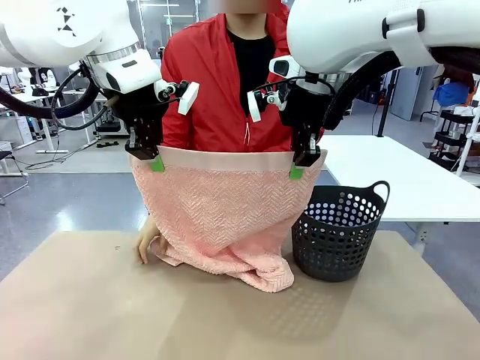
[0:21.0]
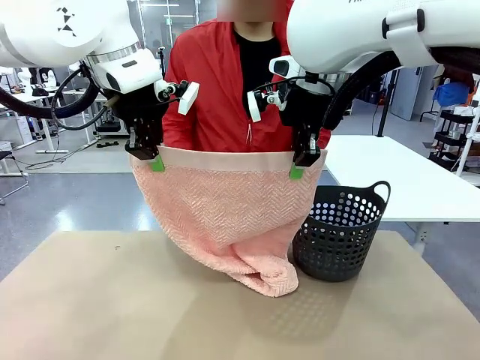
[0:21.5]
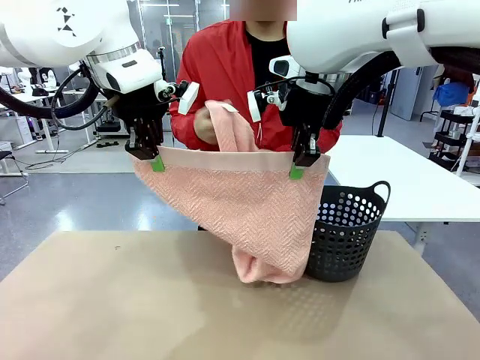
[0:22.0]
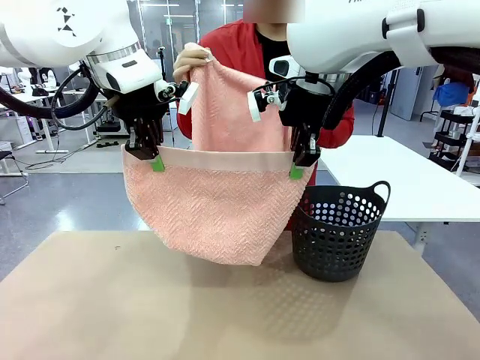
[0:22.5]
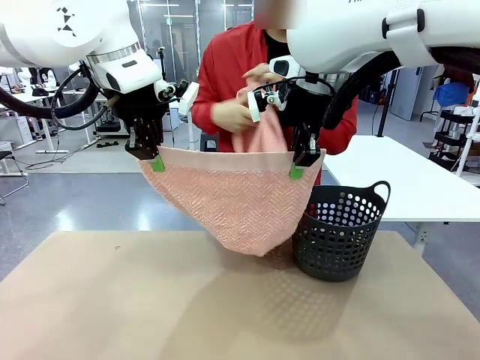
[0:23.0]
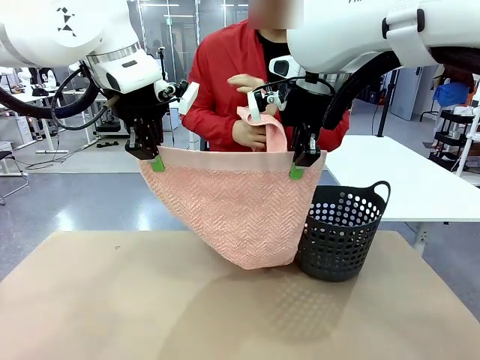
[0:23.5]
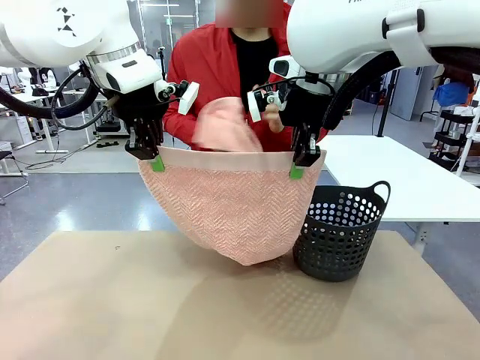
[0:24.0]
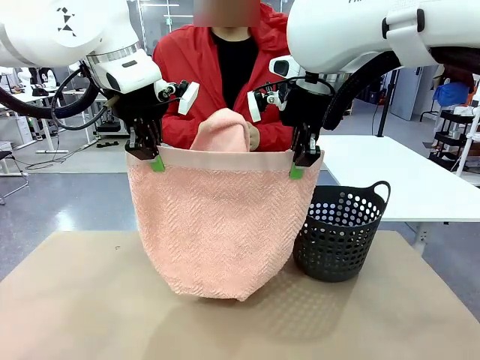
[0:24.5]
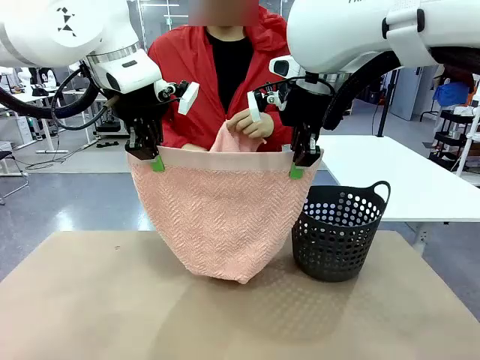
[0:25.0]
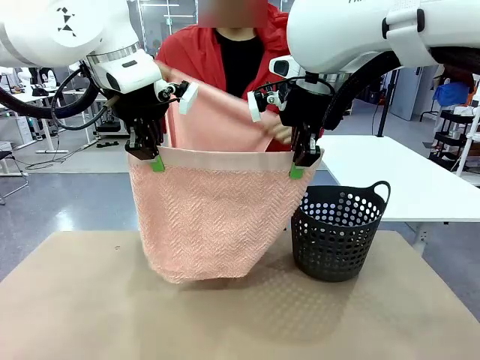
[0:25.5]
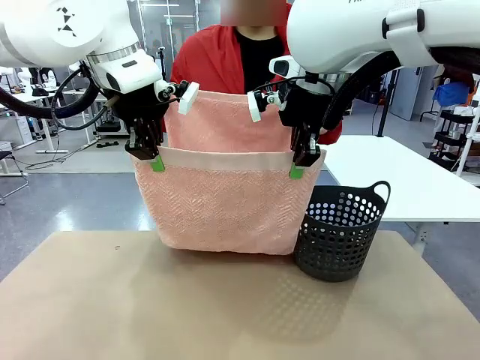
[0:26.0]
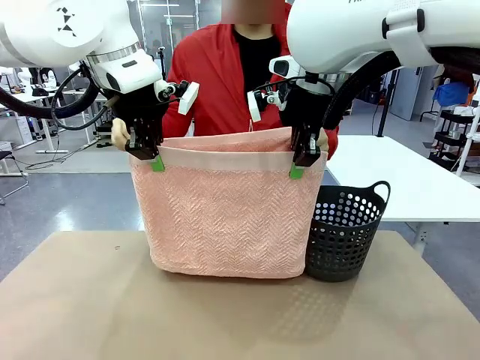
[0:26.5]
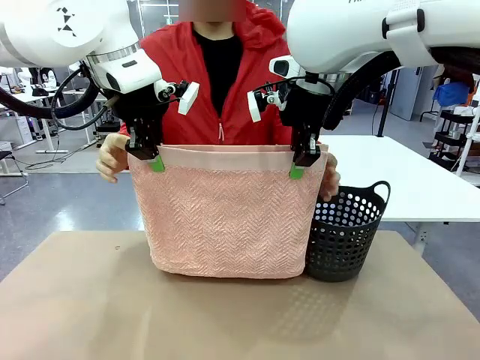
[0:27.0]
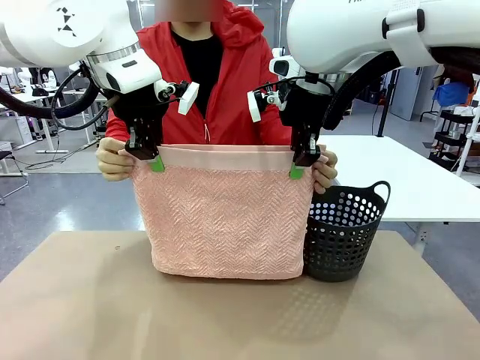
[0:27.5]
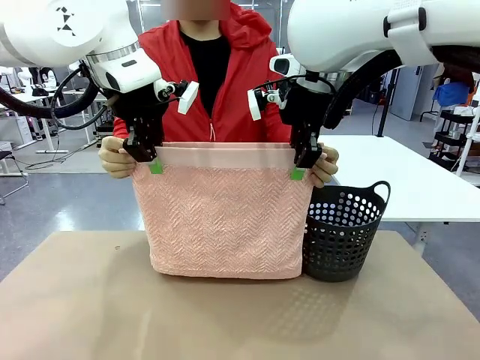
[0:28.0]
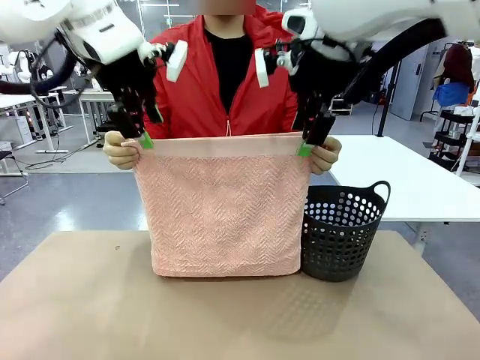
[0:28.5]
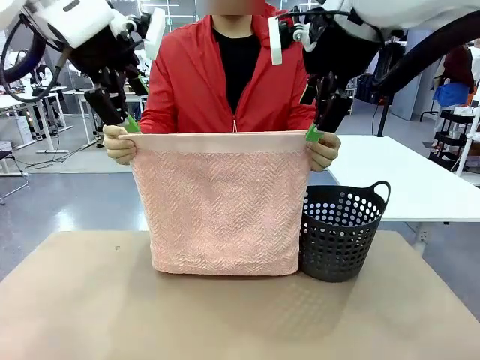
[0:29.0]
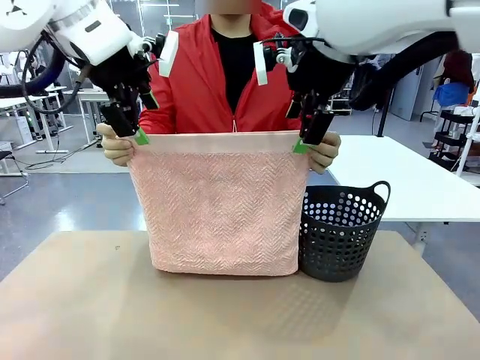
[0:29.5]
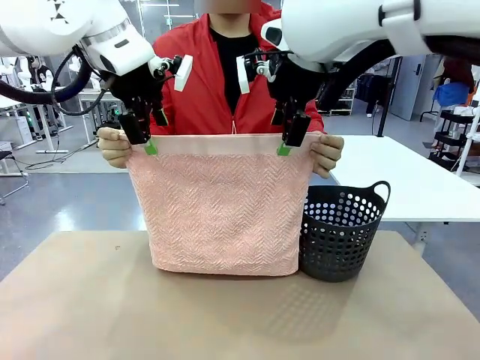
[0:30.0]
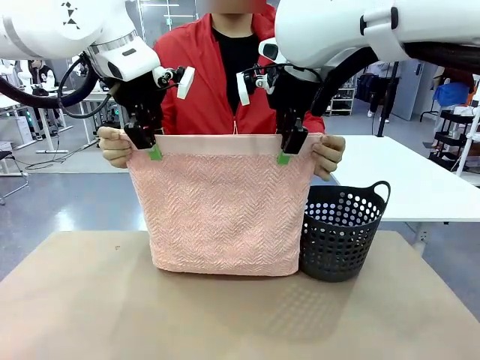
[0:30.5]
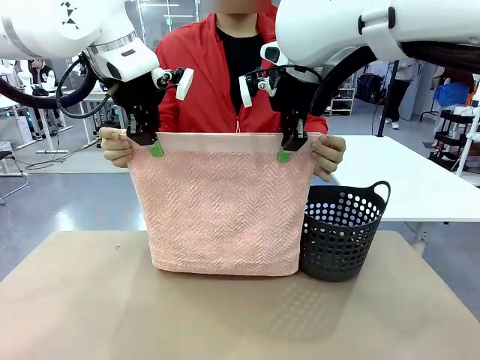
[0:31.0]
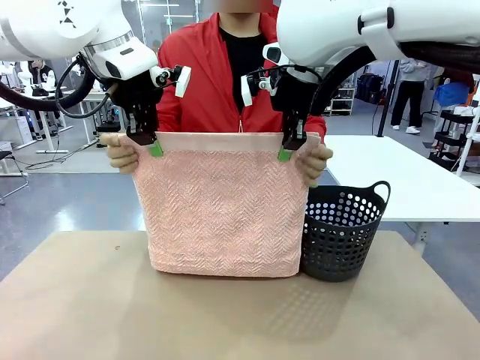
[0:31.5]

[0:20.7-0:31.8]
Task: Fold the towel.
Robot: Release the end of the 100 cm Hotel Towel you were holding and grab the top end of the folded side.

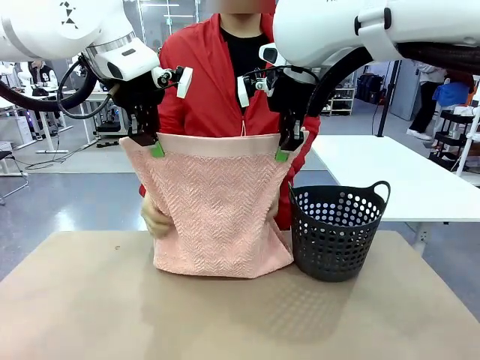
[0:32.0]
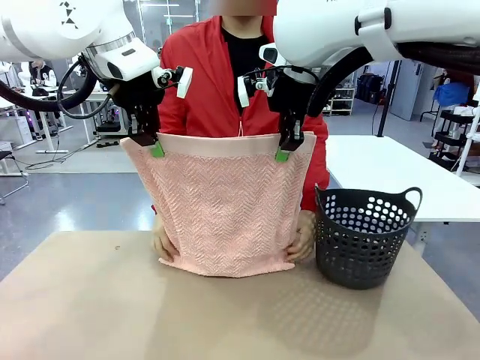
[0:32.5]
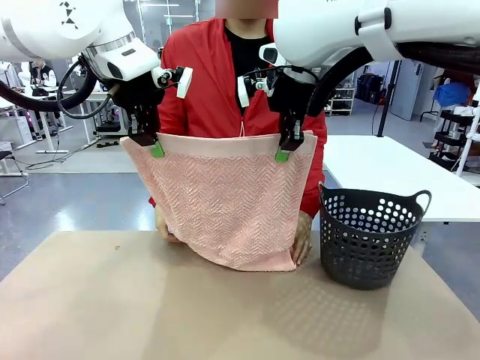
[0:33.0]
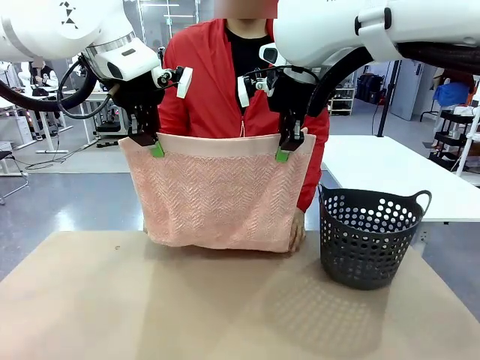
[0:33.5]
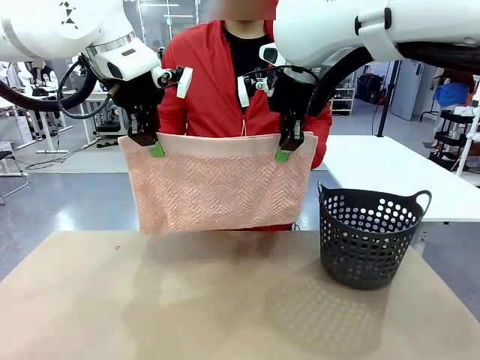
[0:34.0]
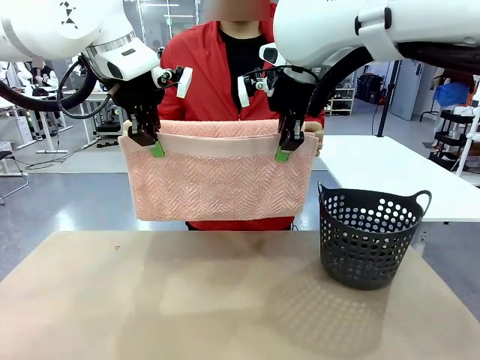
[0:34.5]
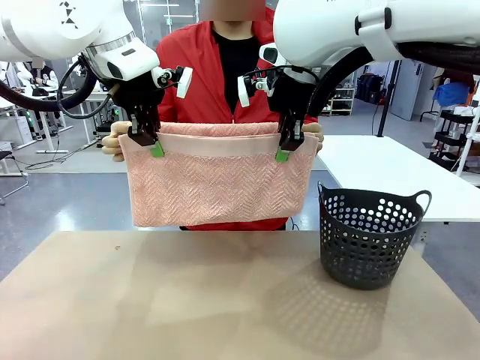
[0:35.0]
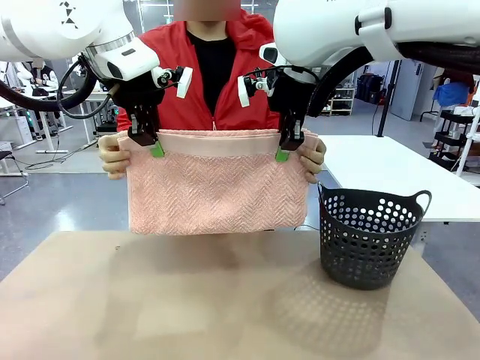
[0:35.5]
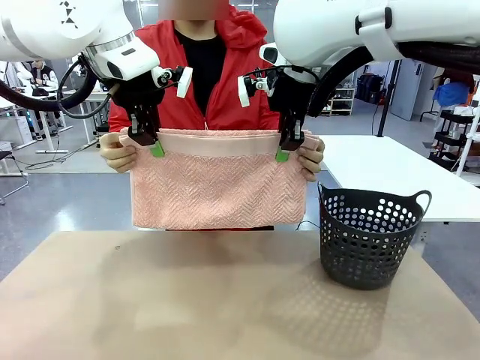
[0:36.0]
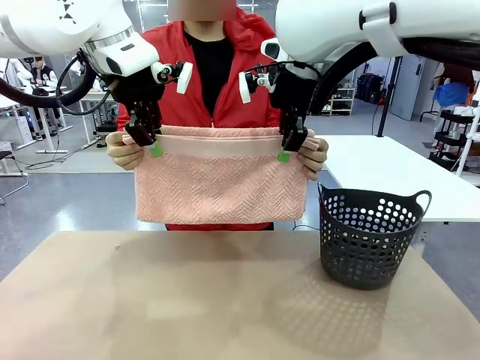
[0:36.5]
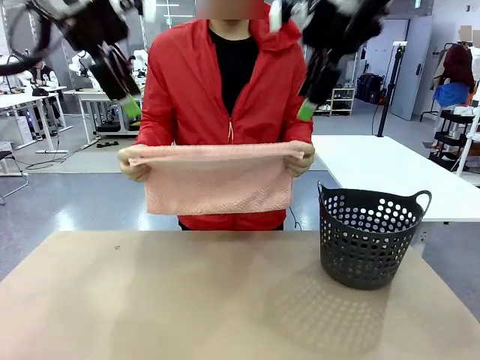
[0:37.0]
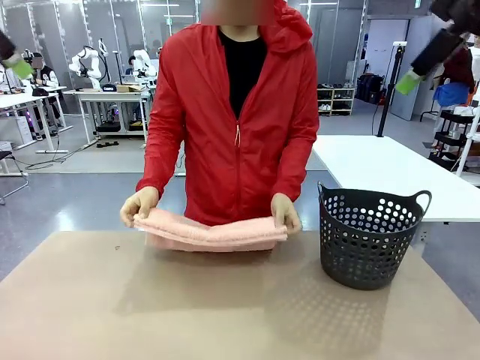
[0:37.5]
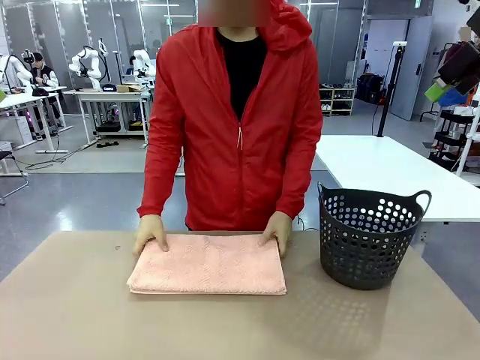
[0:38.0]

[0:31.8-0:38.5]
Robot: Release the end of the 100 cm Hotel Towel you were holding.

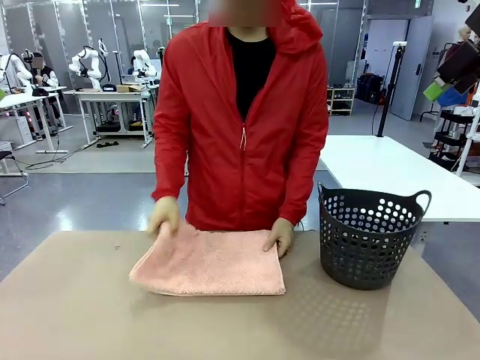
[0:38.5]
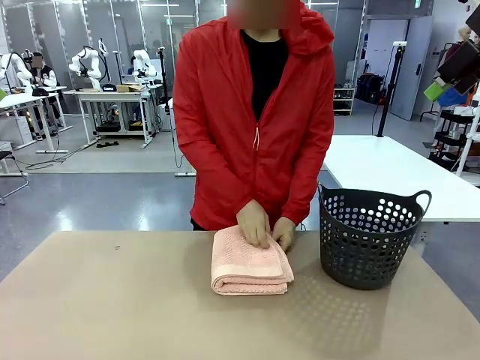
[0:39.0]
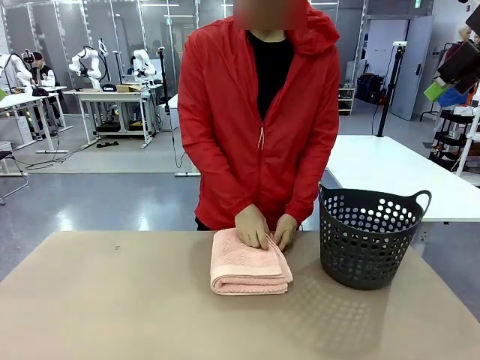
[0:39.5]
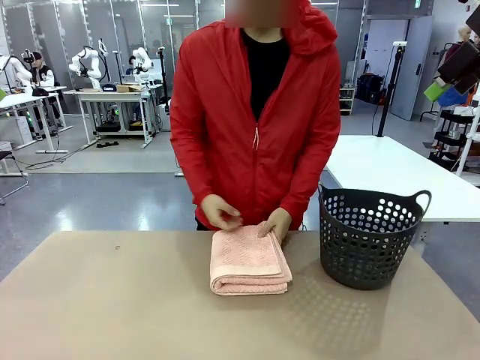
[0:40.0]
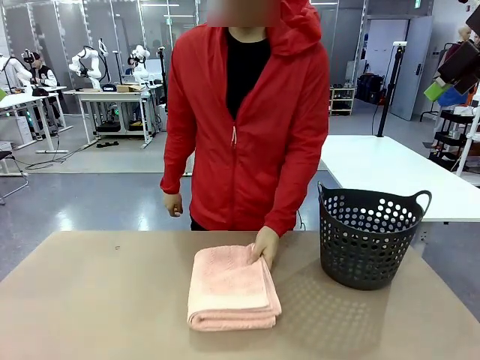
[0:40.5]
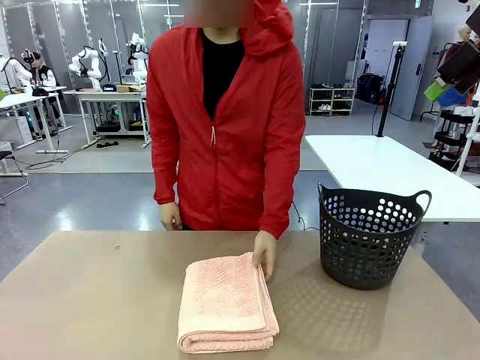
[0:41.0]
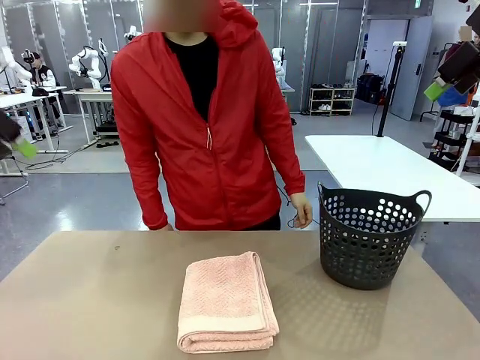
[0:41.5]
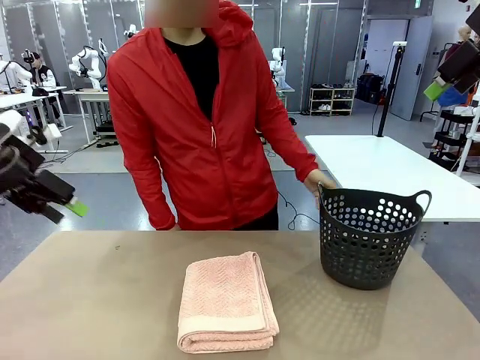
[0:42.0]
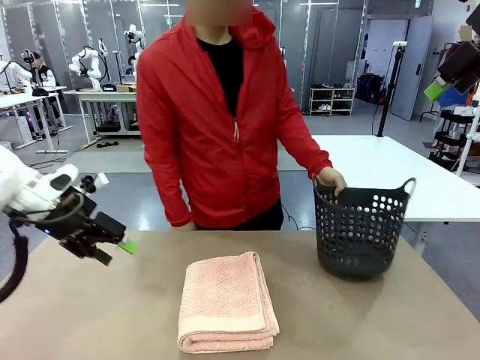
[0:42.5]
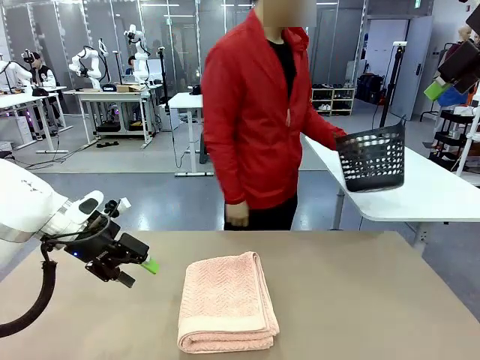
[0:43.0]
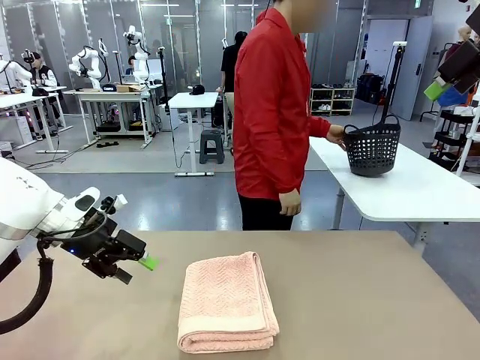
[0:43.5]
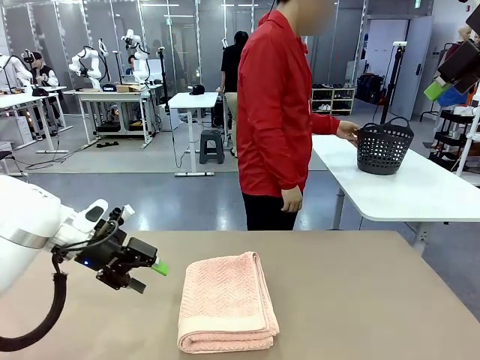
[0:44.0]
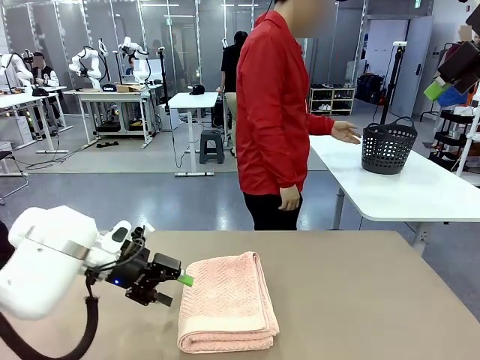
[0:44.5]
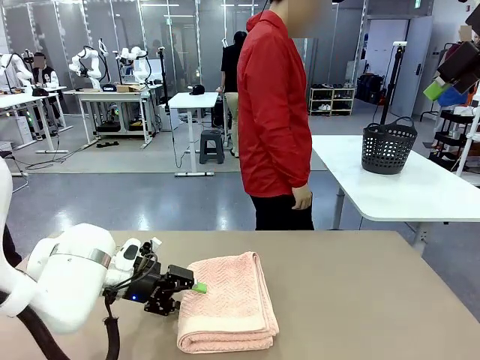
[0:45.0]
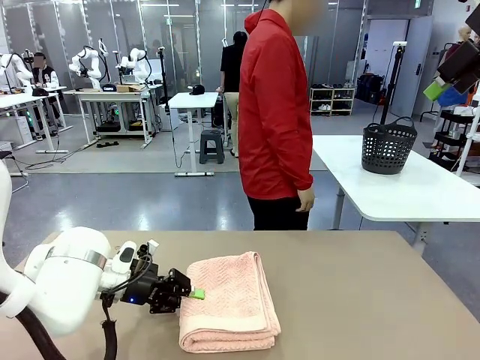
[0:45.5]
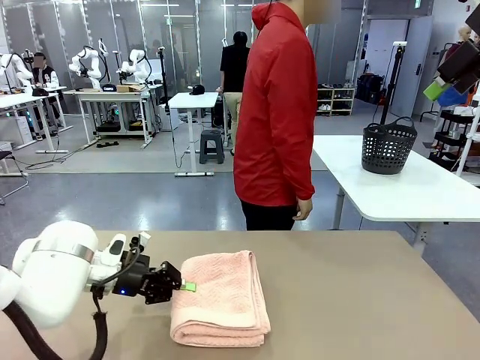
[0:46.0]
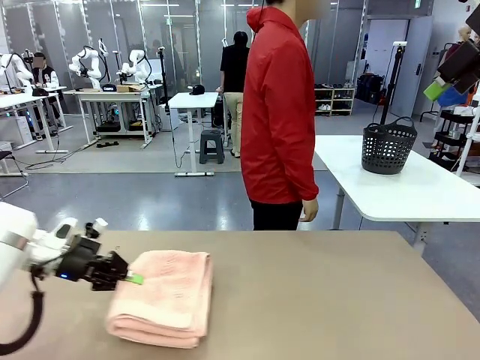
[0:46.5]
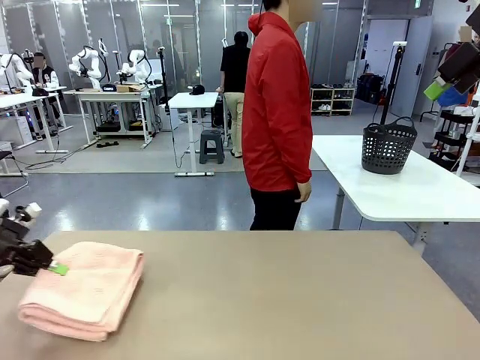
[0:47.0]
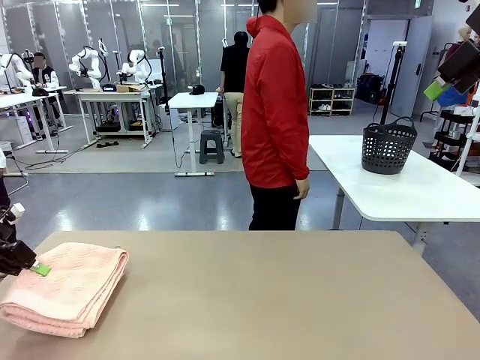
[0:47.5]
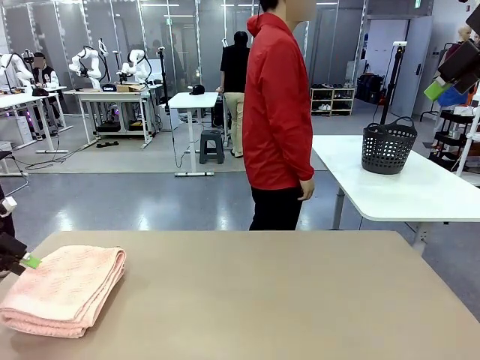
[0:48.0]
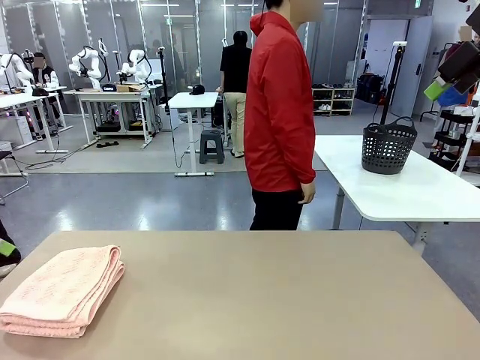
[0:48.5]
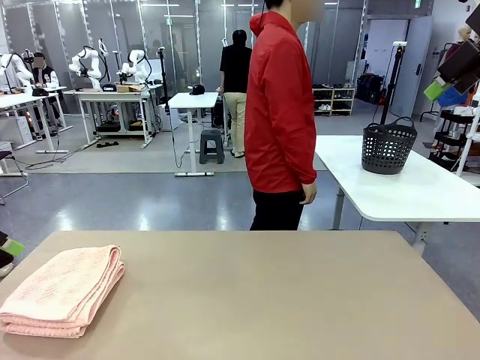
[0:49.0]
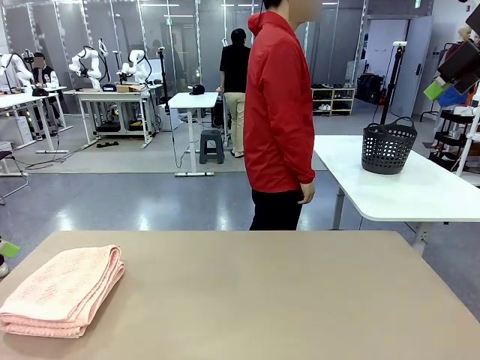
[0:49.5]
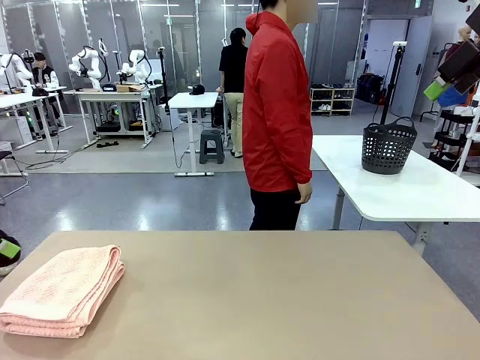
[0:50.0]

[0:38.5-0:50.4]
Robot: Pick up the 100 cm Hotel Towel and place it on the left side of the table.
Person: Place the towel at the center of the robot table and fold it in half. Pick up the laundry basket and place it at the center of the human table.
